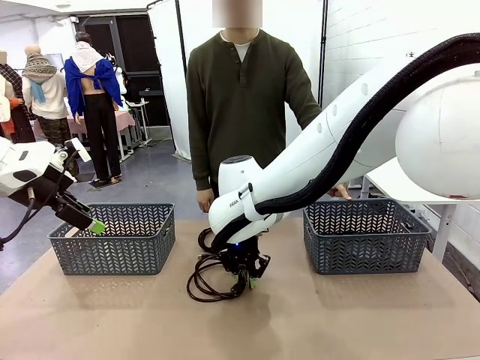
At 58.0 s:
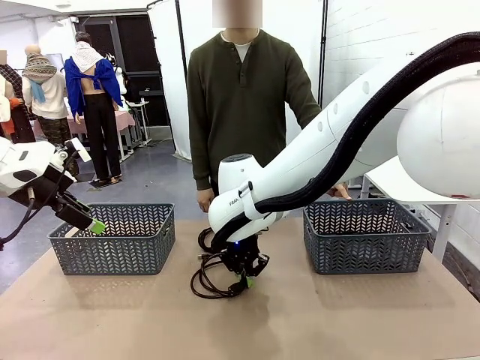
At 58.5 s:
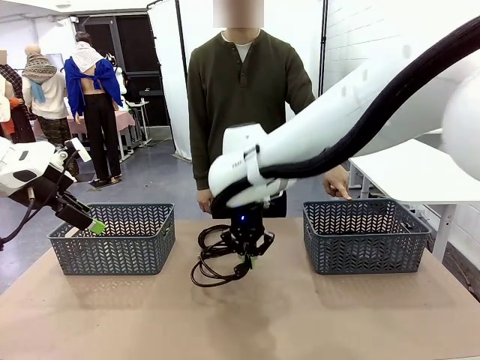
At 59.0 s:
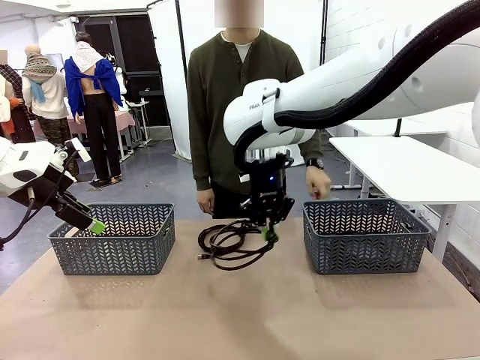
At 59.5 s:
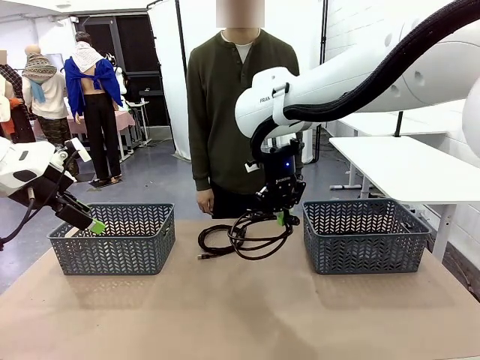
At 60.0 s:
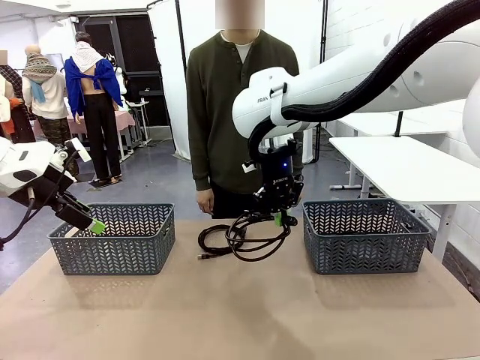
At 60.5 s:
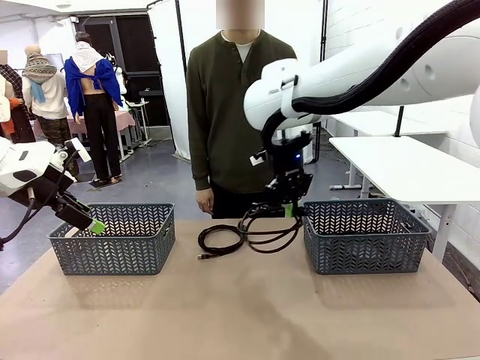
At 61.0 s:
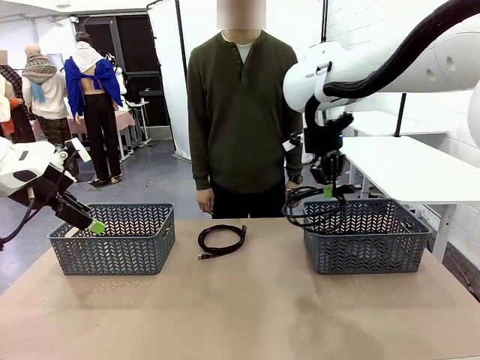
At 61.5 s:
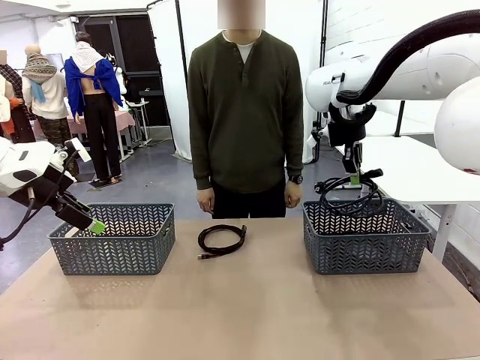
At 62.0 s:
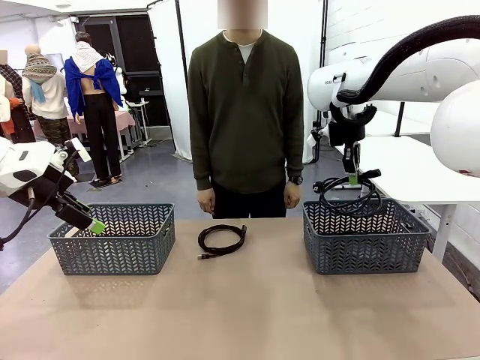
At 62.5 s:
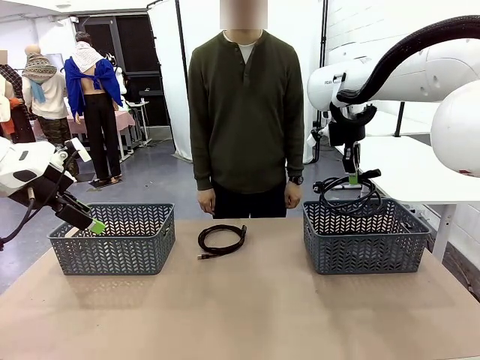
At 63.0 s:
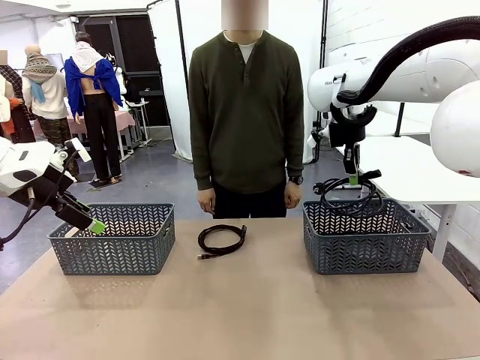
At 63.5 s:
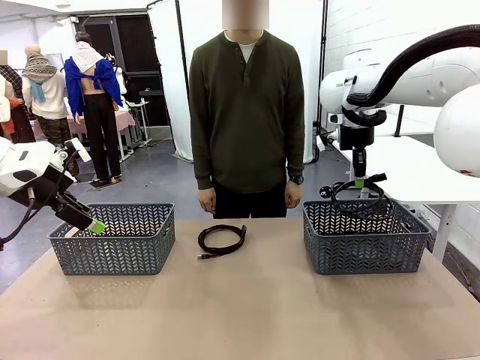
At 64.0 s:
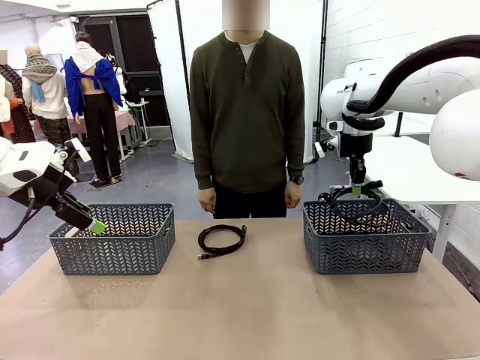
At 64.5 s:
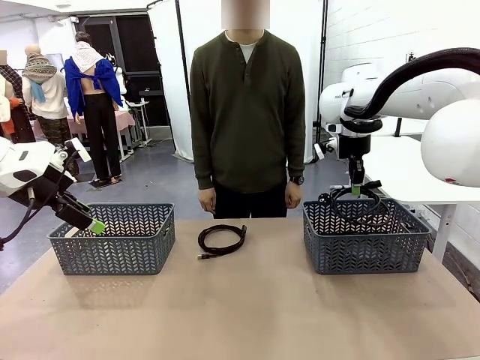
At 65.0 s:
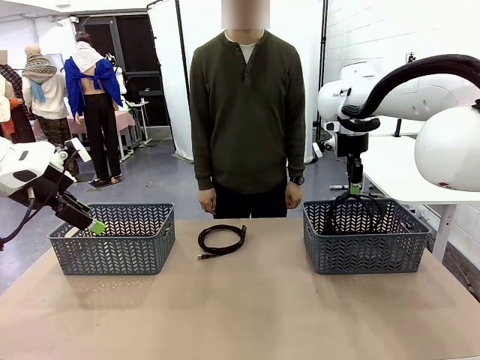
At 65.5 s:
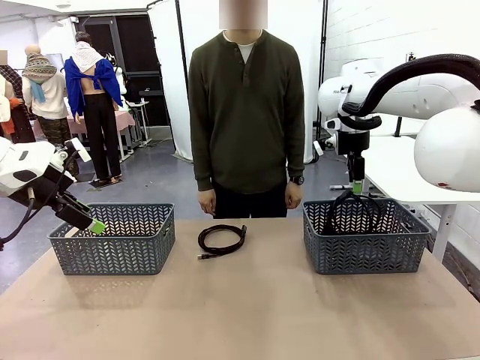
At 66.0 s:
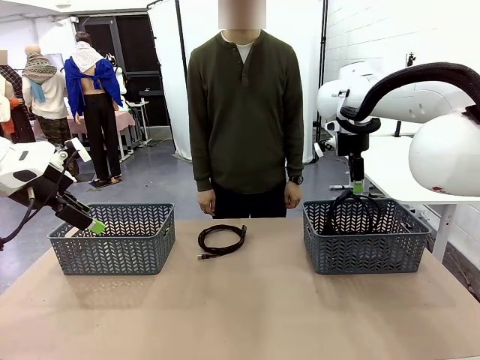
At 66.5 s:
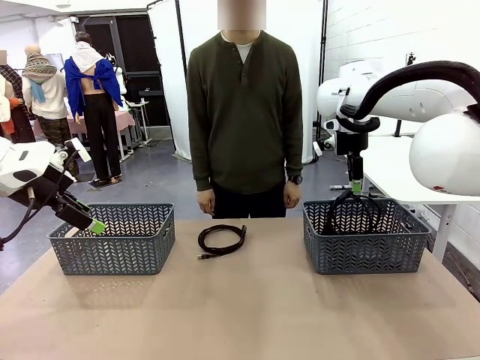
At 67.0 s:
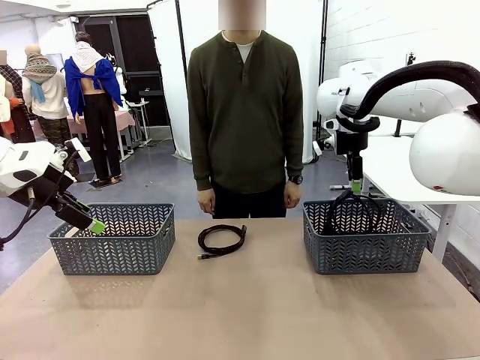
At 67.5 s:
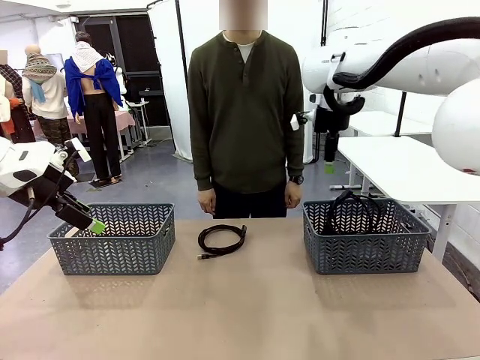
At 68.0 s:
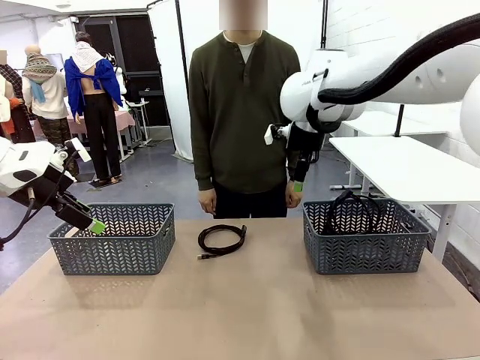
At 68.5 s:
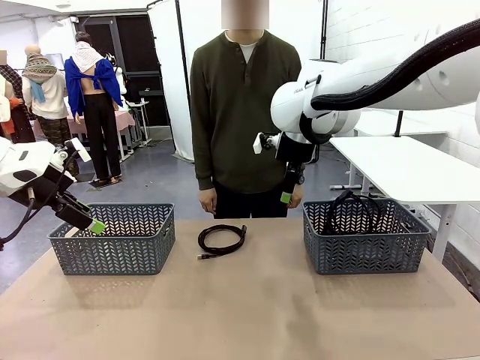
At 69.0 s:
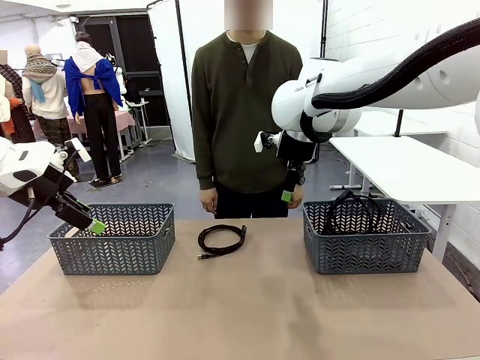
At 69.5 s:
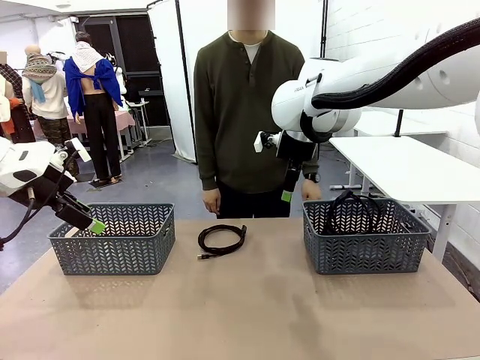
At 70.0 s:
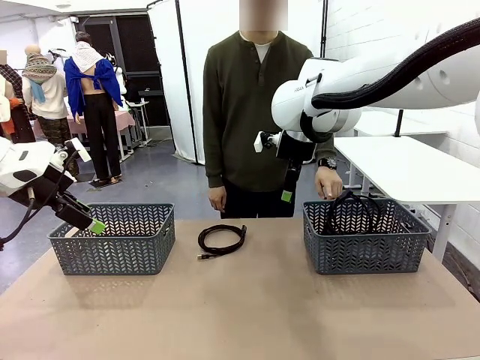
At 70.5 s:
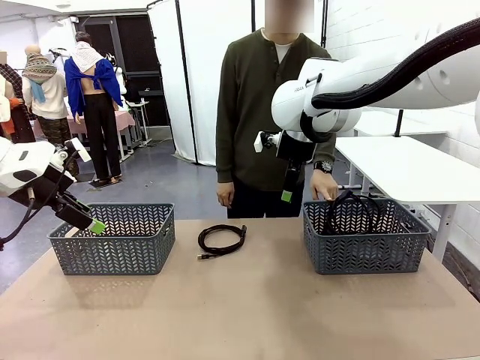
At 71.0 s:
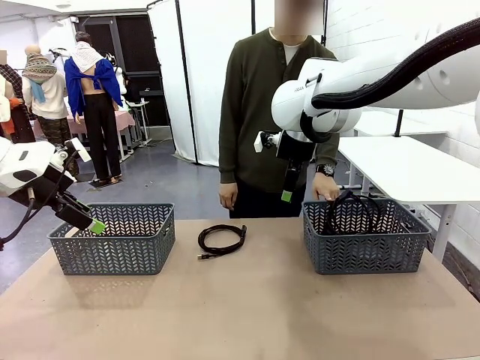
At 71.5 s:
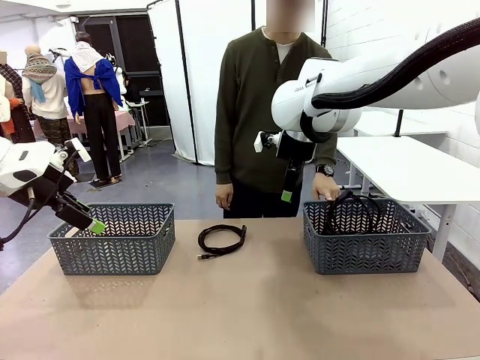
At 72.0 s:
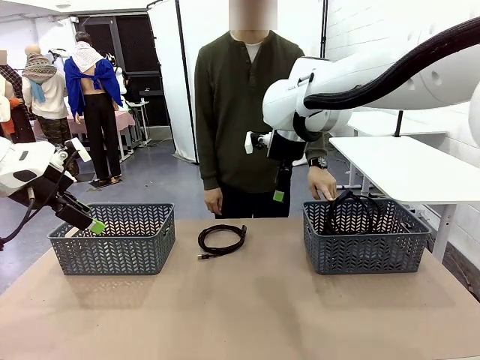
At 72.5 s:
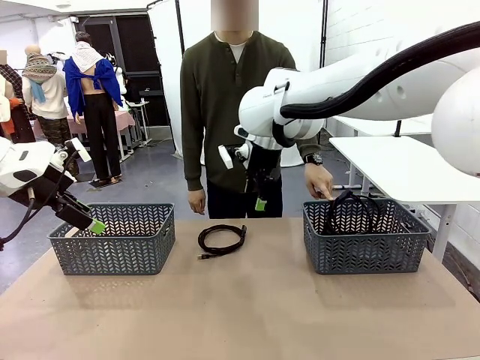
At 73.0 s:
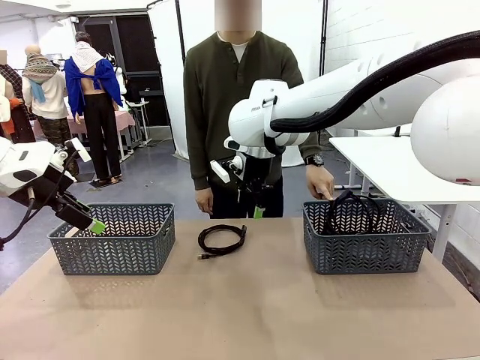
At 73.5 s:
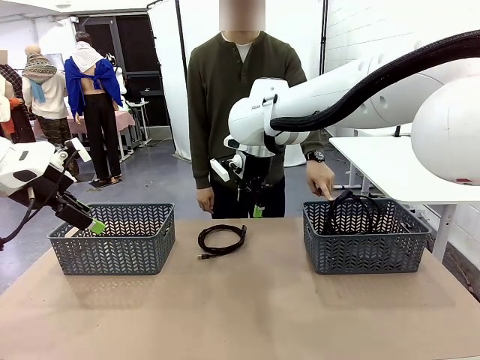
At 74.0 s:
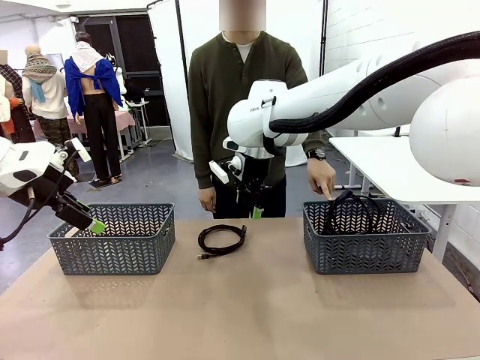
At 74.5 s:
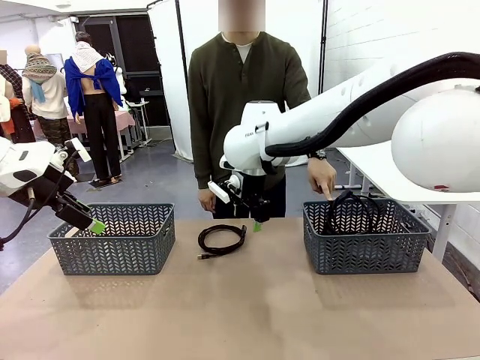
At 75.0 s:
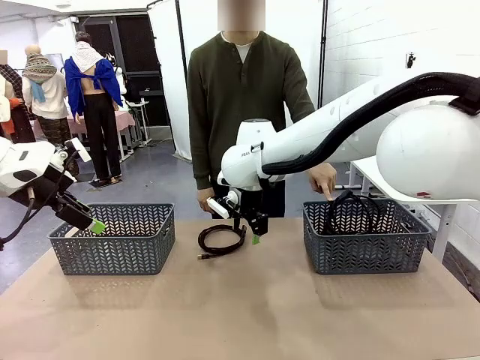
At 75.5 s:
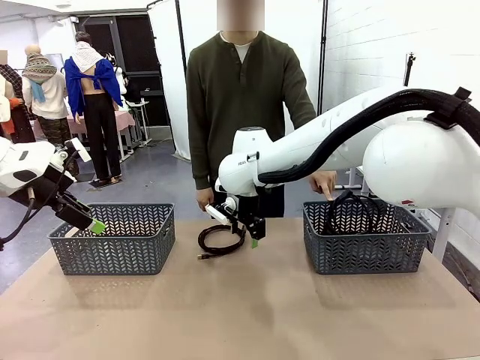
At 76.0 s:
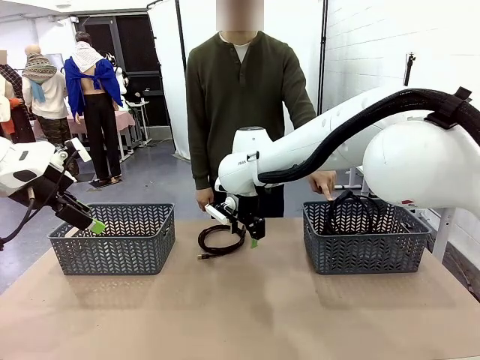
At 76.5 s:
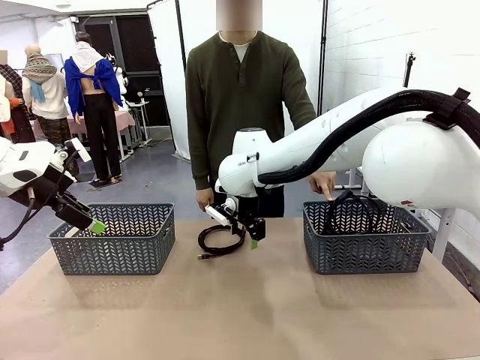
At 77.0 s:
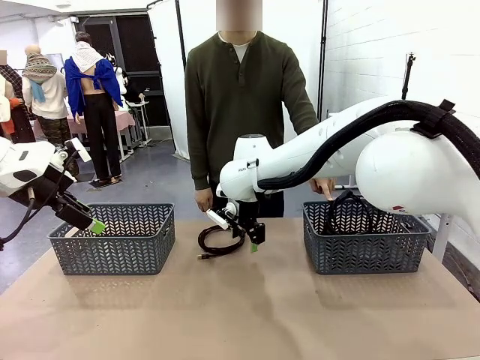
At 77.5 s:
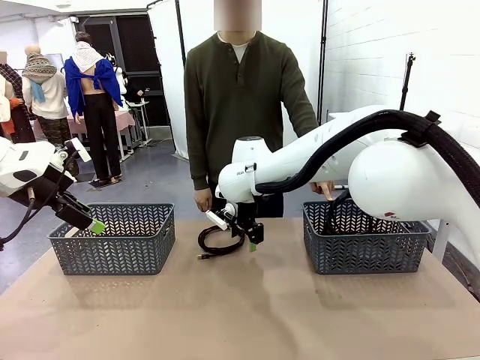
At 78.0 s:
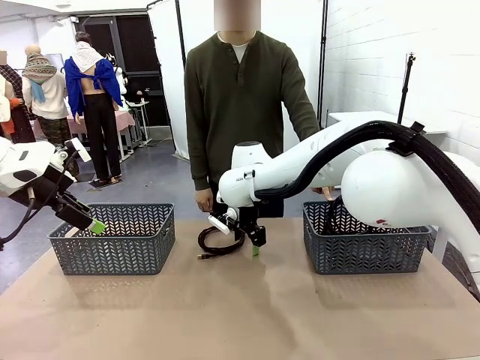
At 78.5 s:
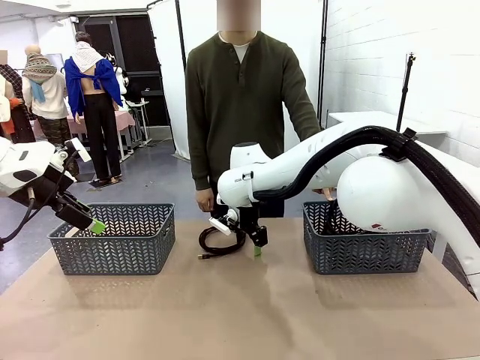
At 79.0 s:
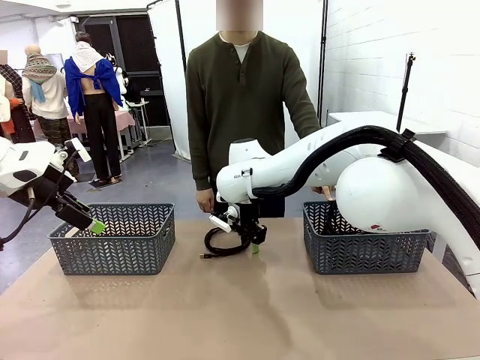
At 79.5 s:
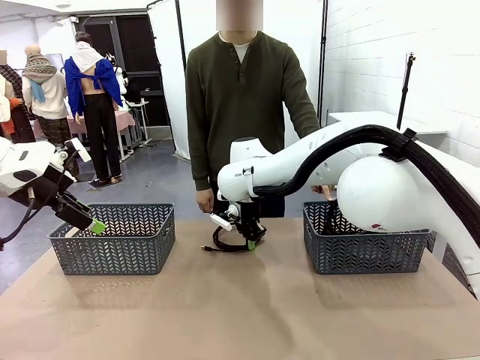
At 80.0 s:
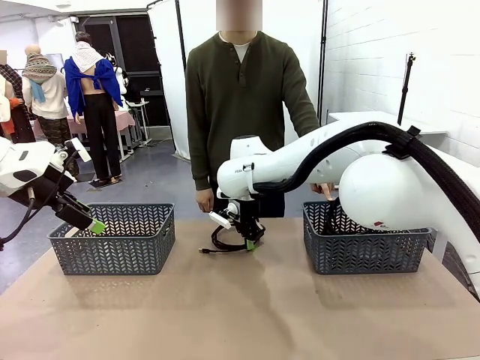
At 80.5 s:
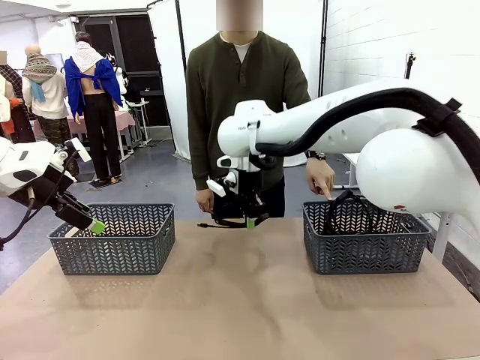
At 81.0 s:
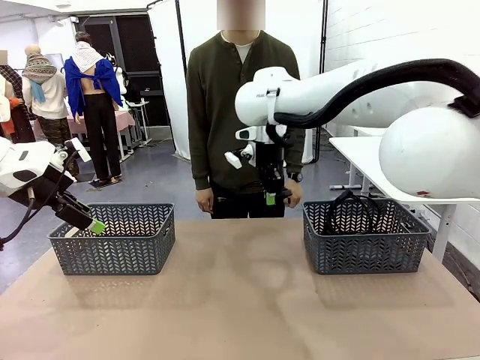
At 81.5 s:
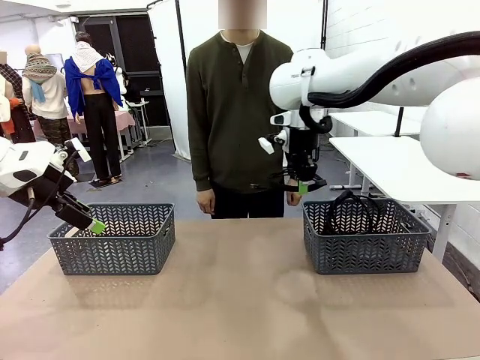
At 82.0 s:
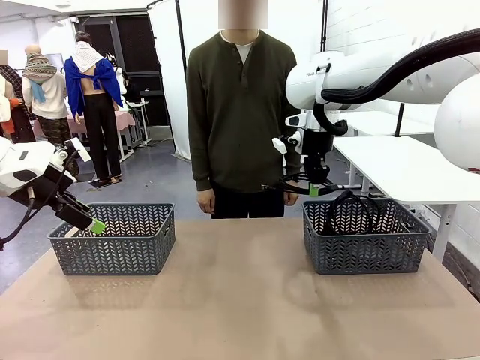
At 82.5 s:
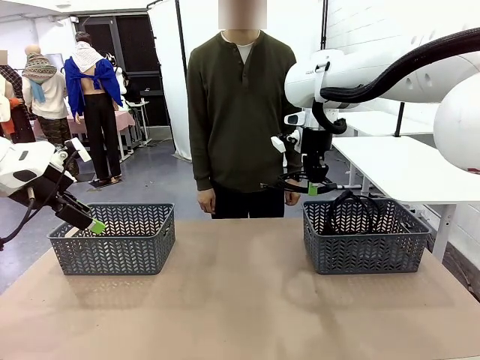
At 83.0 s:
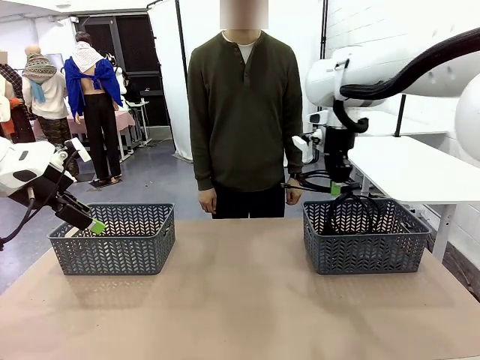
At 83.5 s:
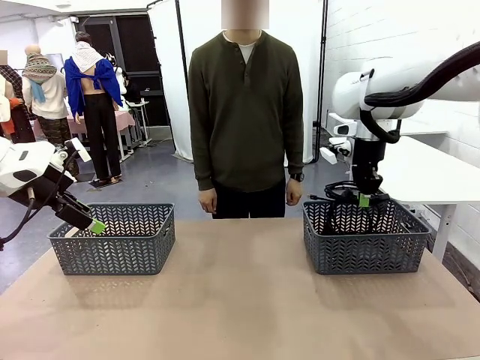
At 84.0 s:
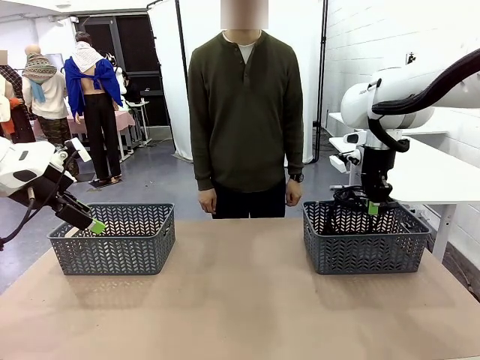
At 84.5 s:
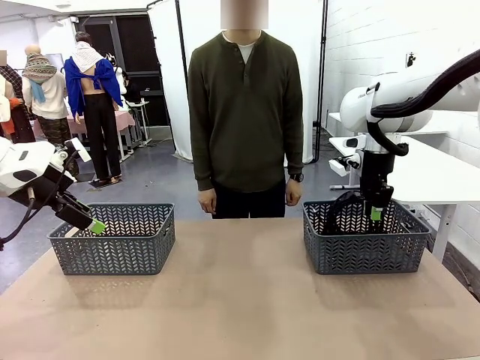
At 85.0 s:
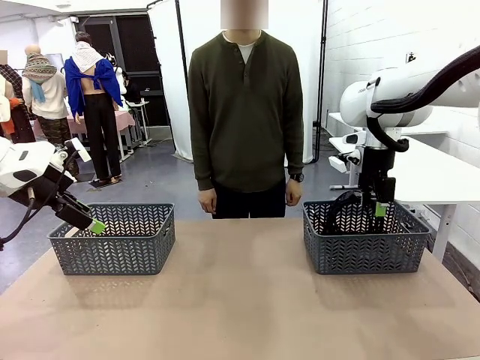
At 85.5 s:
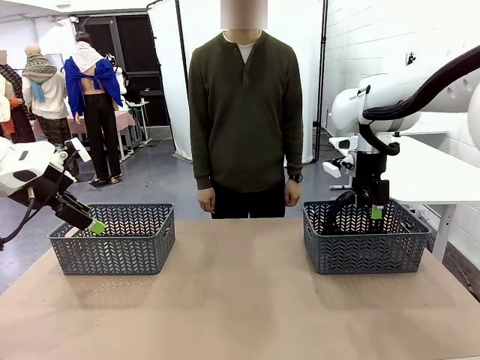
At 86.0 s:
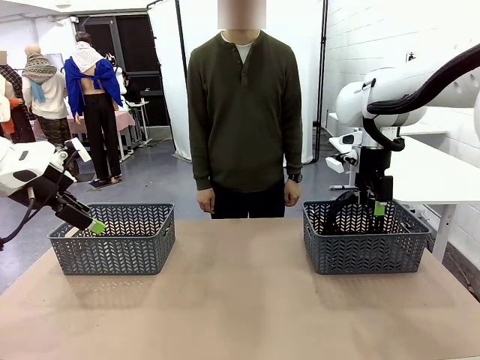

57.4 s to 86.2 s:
Task: Organize the cables according to human instructions.
Robot: Pick up a bundle of cables and place it in the basket indicated by the human.
